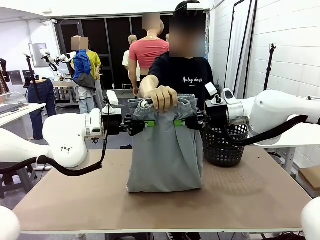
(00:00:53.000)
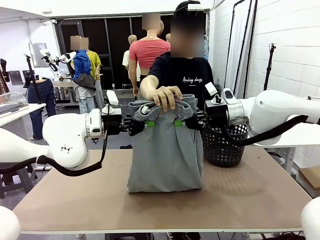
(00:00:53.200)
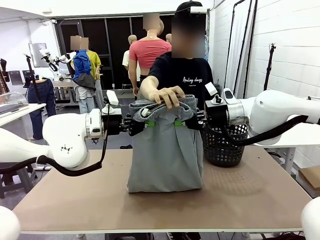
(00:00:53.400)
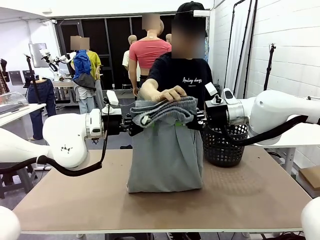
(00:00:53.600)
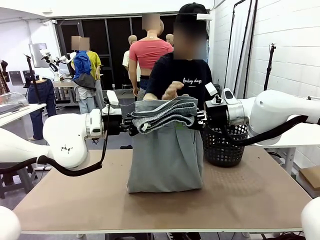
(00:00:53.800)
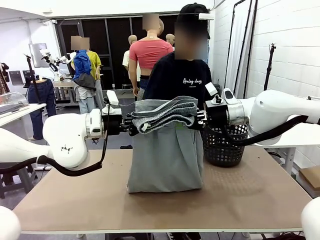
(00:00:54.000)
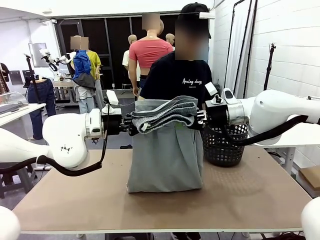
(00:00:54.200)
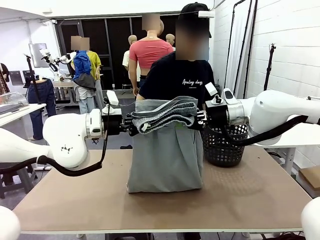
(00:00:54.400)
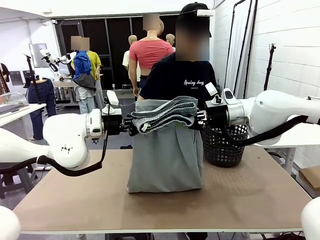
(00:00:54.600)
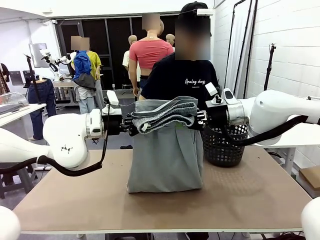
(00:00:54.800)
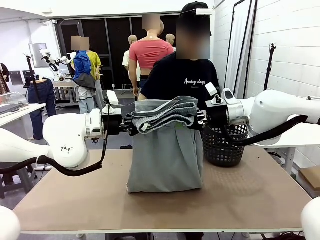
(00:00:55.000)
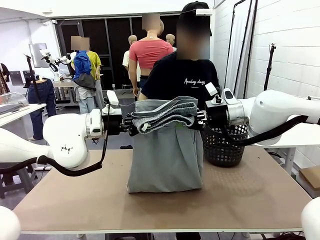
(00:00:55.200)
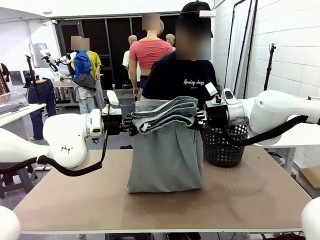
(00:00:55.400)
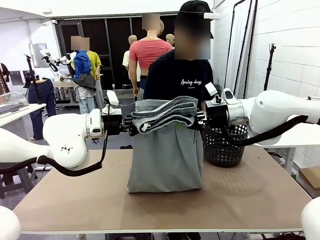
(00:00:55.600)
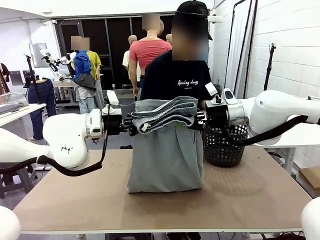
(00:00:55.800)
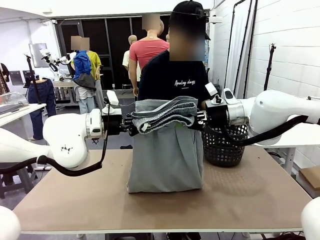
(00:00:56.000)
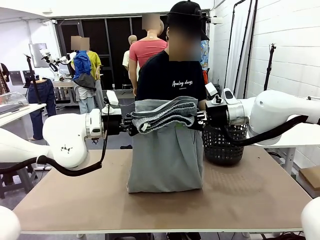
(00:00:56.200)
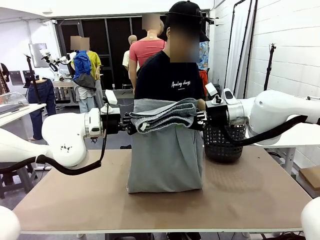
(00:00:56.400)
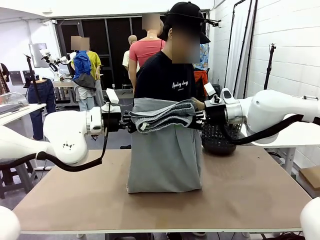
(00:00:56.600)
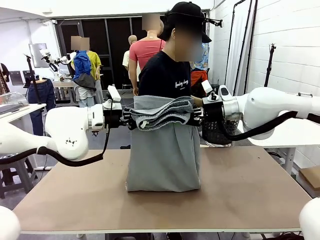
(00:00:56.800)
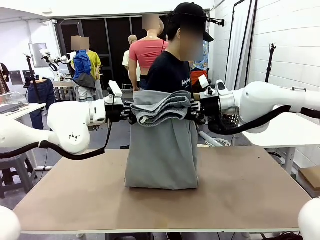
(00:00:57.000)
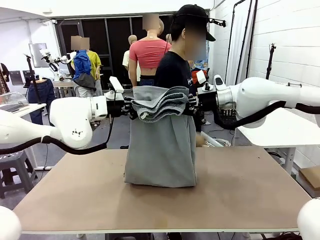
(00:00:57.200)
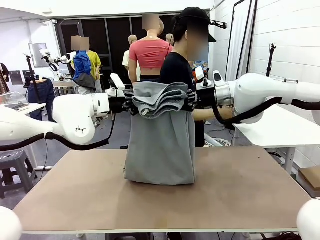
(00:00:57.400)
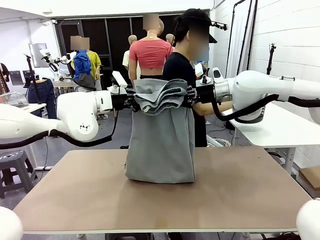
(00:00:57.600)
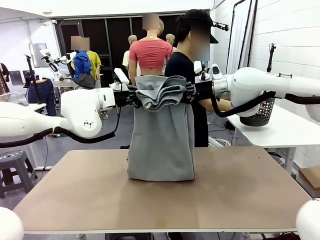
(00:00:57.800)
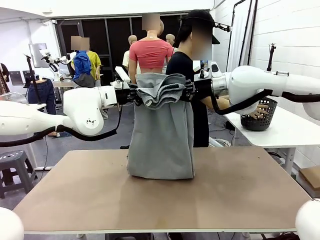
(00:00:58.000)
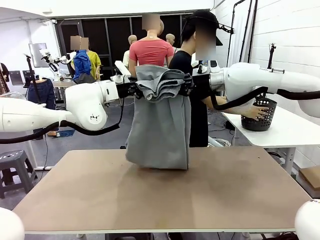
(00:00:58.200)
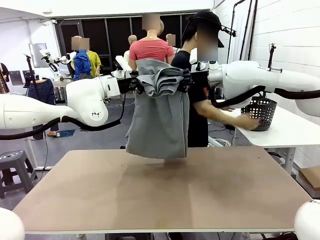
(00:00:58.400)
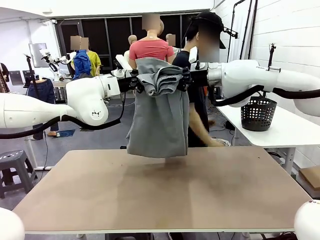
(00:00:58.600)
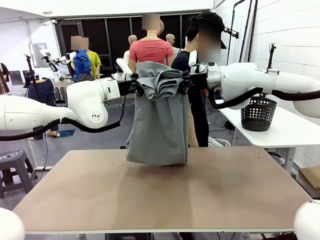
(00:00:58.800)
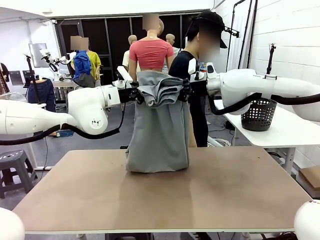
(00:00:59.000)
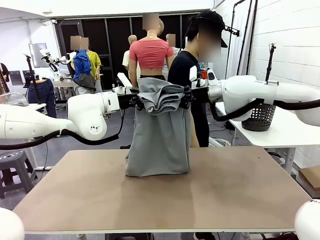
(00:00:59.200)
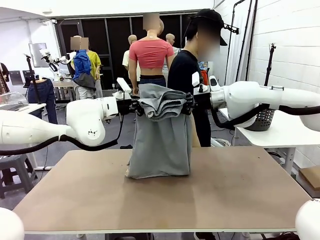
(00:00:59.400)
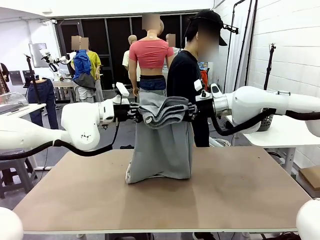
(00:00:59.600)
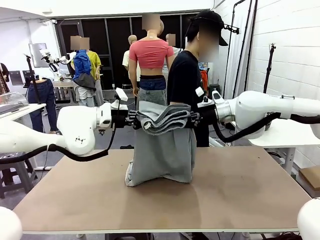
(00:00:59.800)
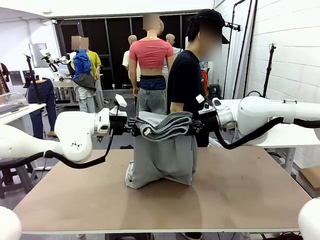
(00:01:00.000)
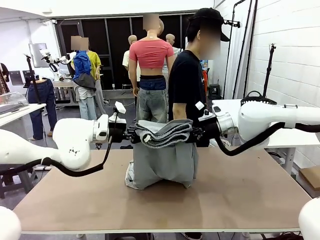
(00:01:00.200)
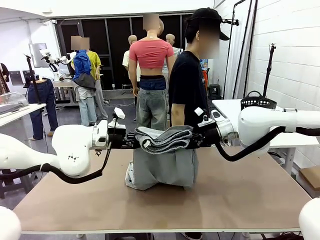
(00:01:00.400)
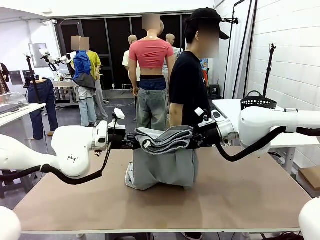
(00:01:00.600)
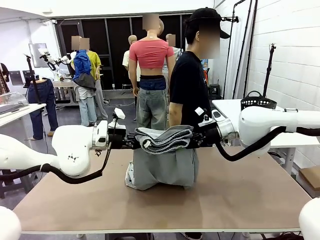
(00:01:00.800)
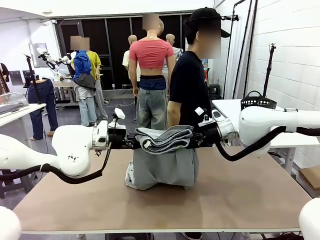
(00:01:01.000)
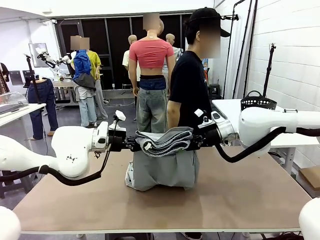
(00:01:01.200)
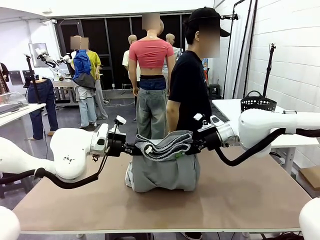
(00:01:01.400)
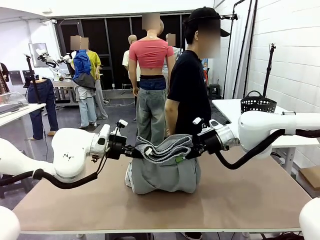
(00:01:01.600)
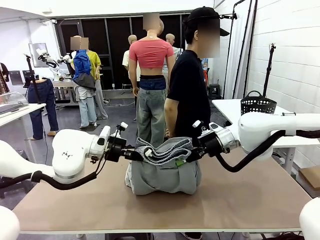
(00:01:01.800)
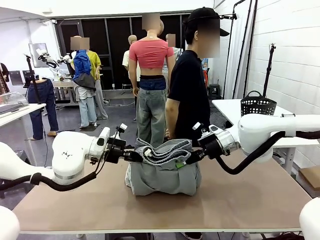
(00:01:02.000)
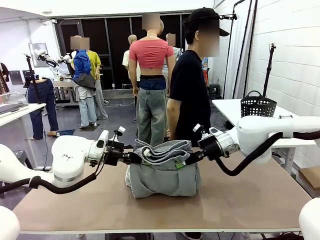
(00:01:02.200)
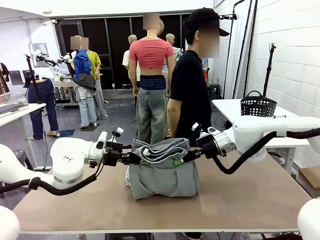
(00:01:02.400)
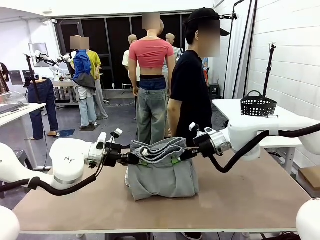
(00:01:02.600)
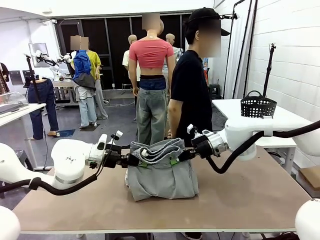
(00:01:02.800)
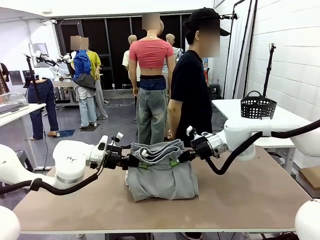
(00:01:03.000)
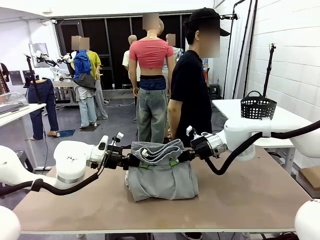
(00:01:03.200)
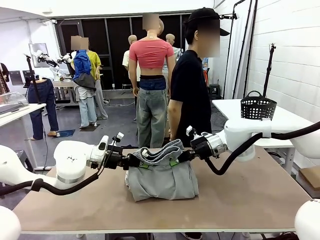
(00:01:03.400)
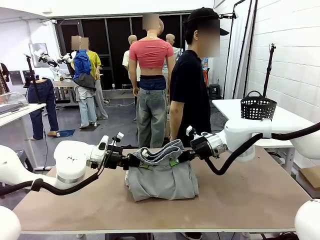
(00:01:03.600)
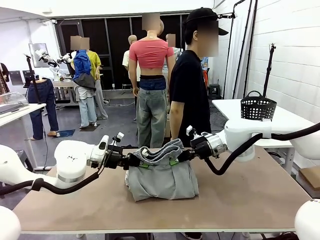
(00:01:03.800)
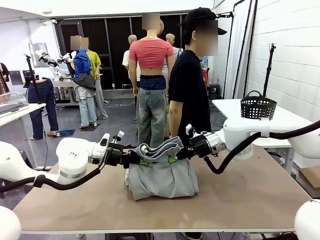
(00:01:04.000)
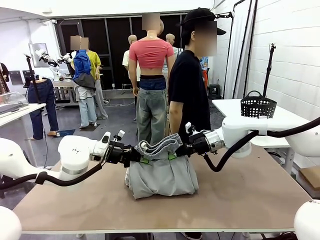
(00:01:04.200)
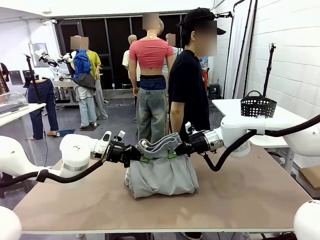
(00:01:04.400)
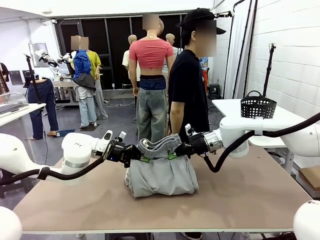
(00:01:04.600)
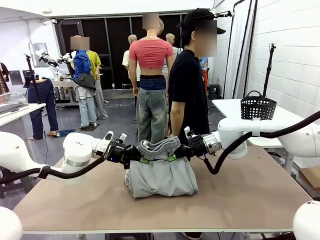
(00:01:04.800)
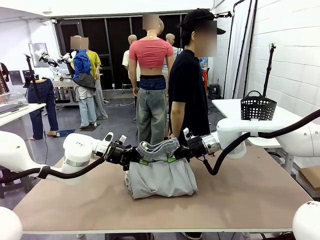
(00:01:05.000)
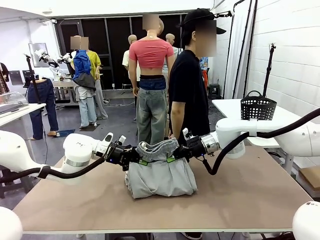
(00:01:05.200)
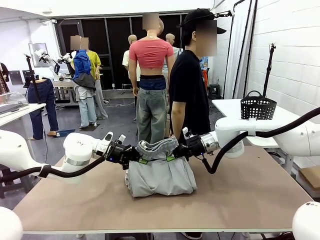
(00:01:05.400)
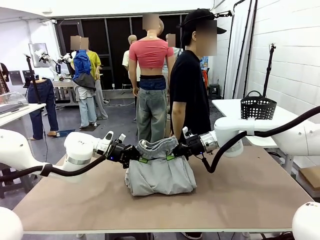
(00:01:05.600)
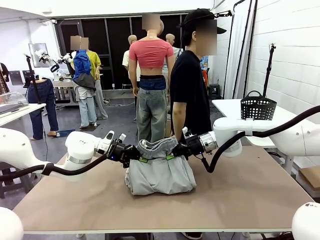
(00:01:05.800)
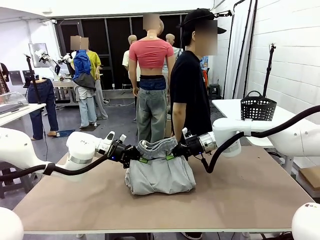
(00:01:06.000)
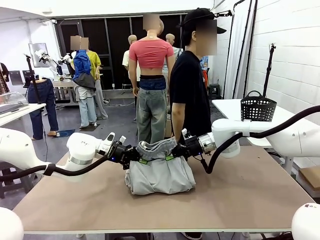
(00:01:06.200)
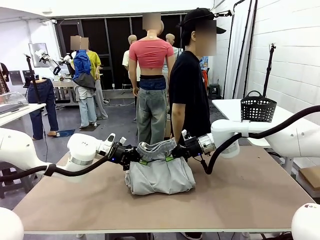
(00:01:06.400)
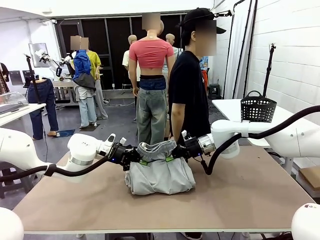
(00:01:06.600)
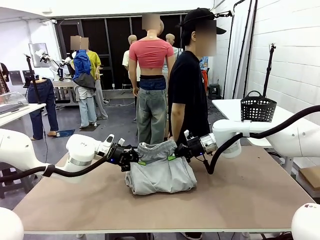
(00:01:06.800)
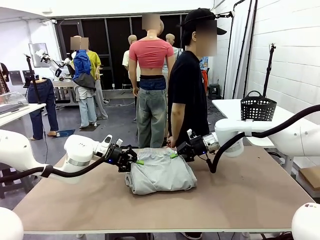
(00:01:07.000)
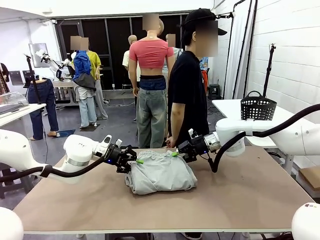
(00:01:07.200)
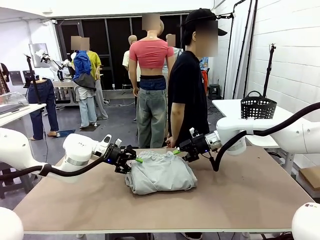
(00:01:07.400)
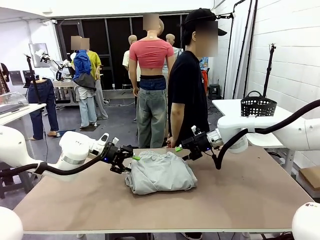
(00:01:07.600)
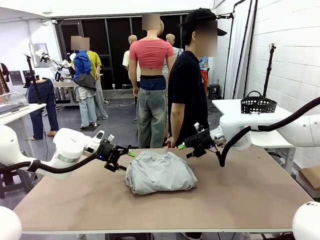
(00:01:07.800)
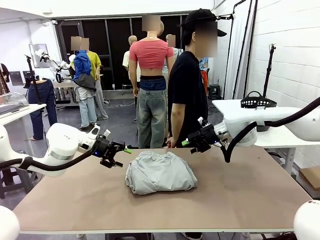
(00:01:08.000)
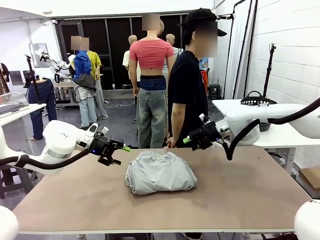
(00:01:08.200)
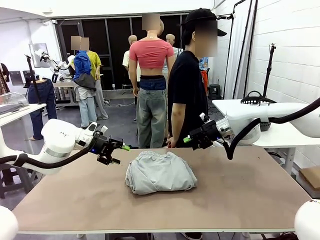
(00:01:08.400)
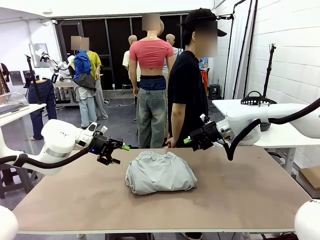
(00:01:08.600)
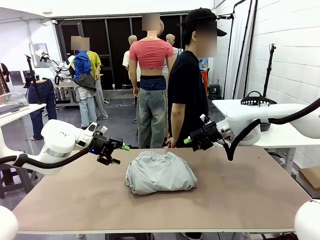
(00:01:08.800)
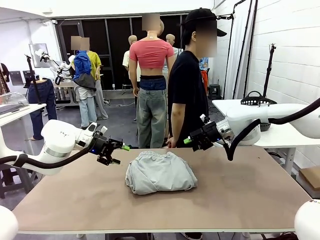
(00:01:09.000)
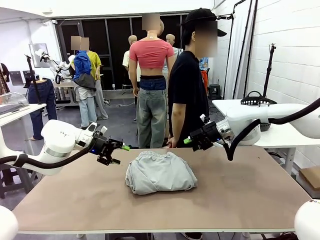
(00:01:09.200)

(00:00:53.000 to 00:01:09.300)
Task: Fold the training pants.
Robot: Fold the Training pants in half.
Person: Move the laundry basket to the right of the human table.
